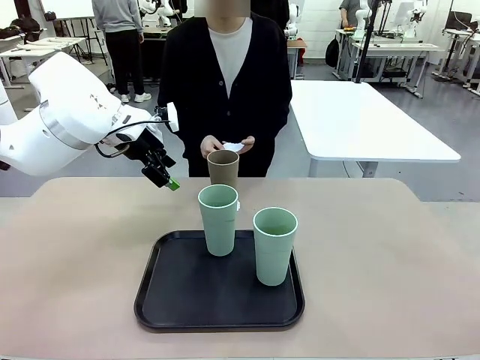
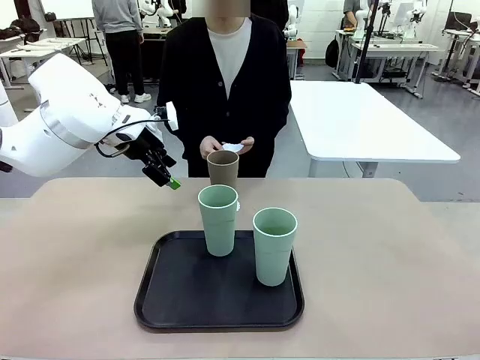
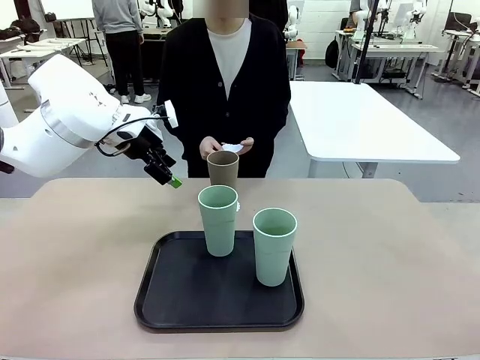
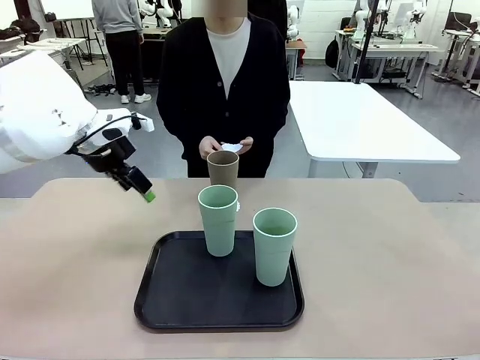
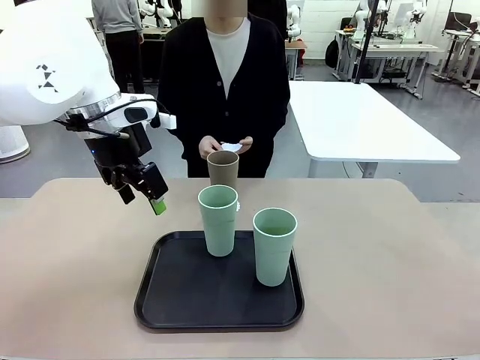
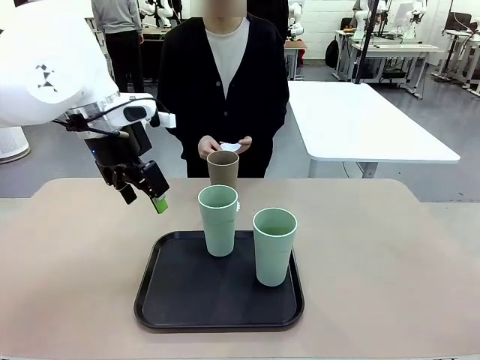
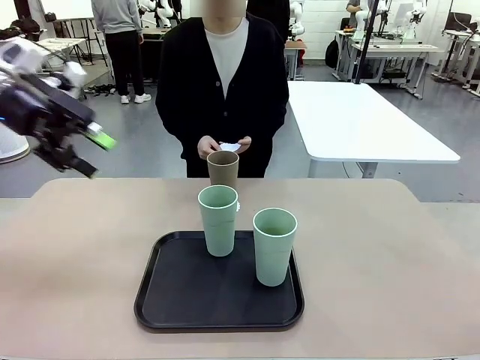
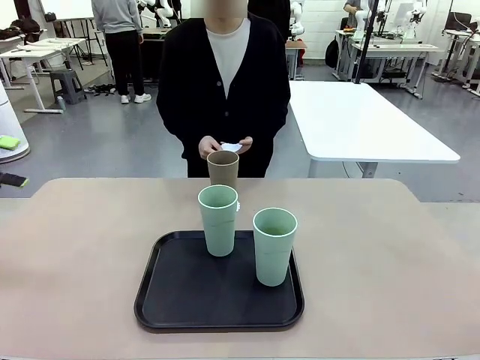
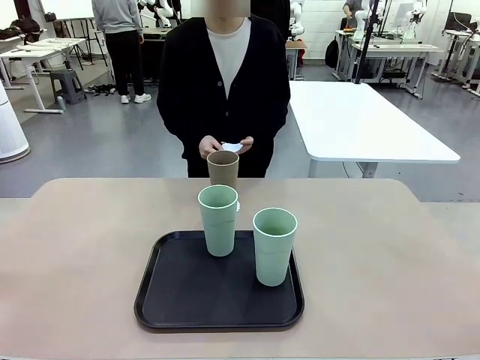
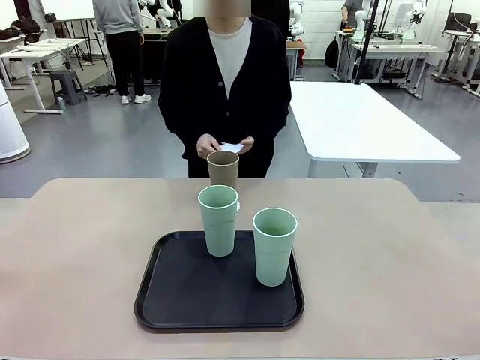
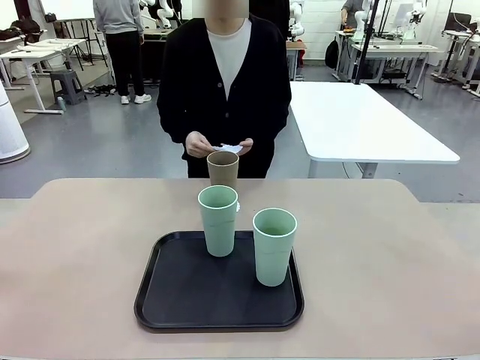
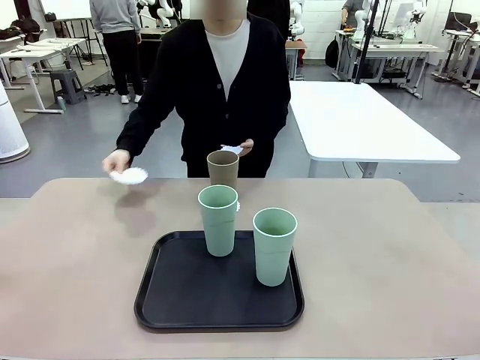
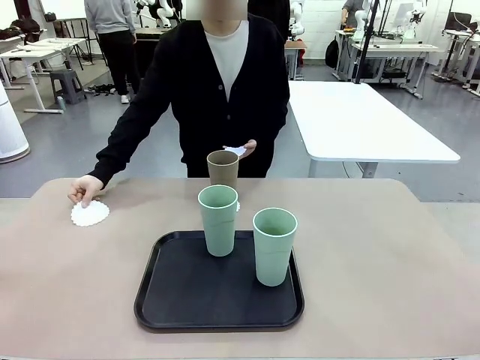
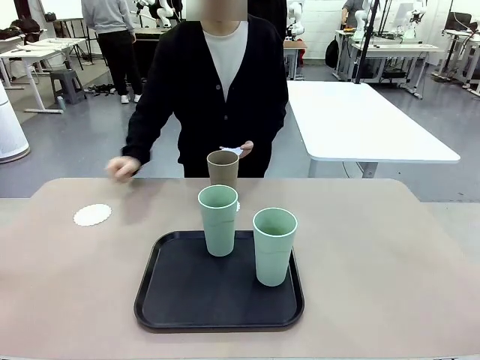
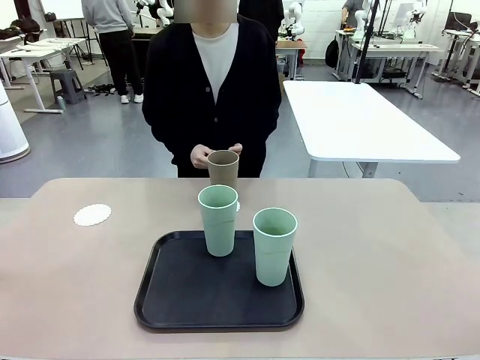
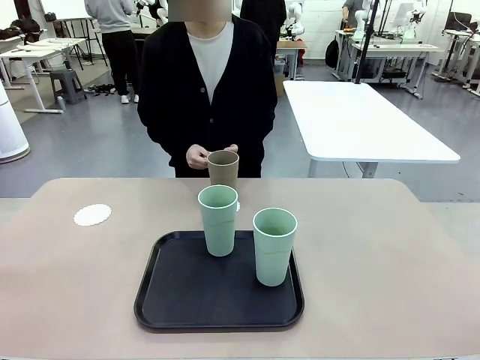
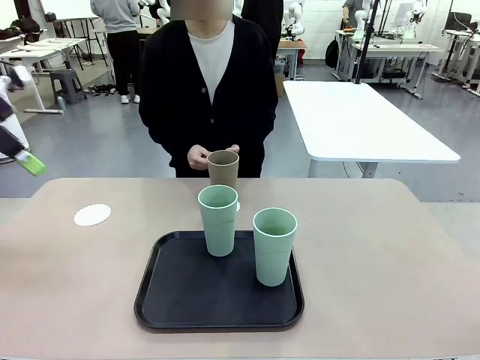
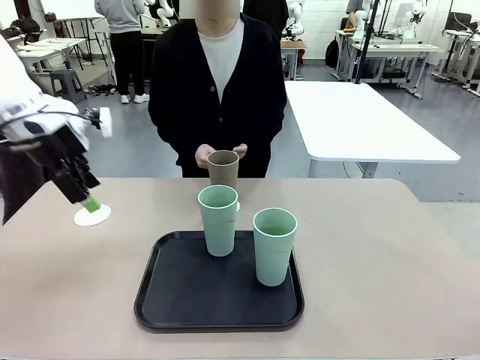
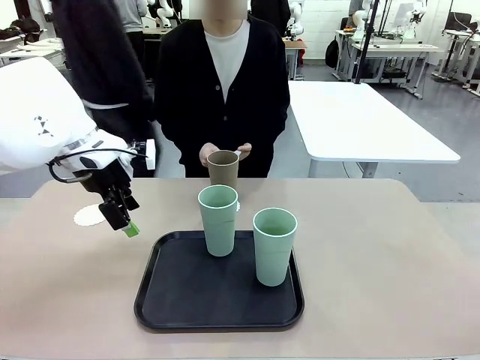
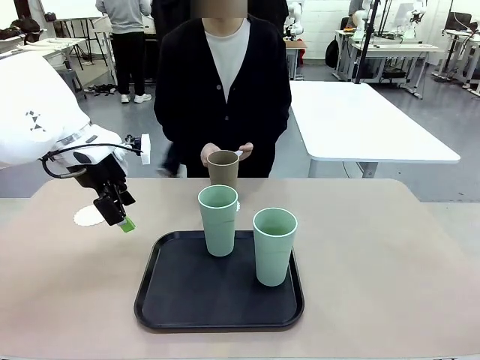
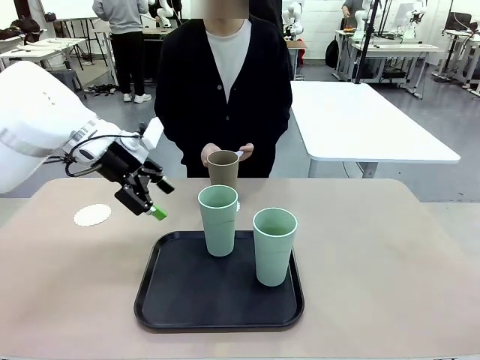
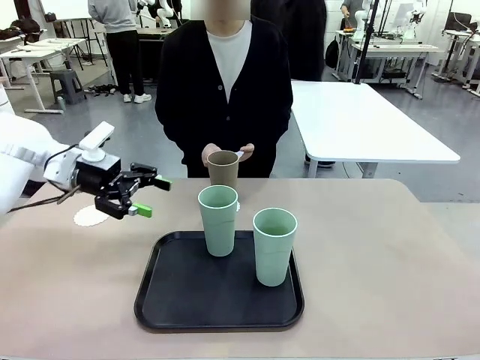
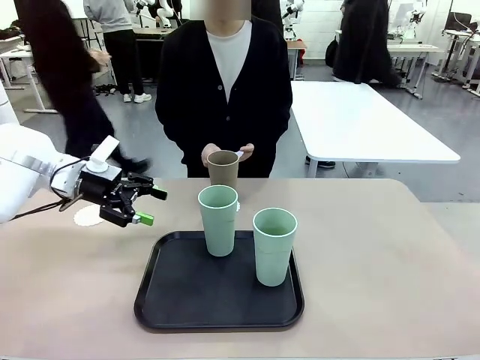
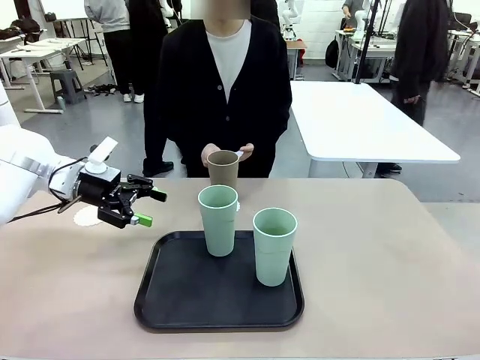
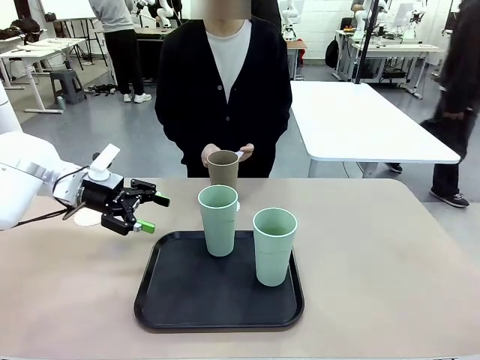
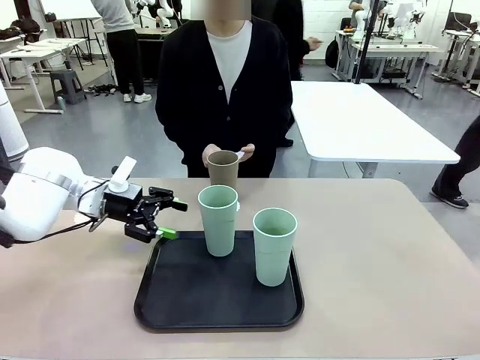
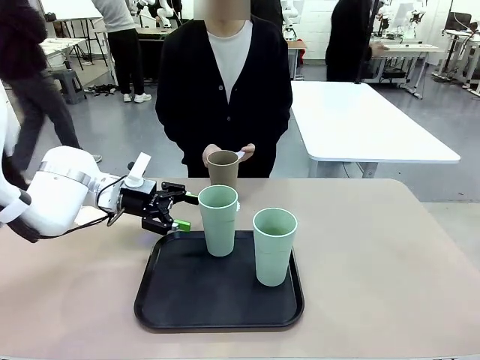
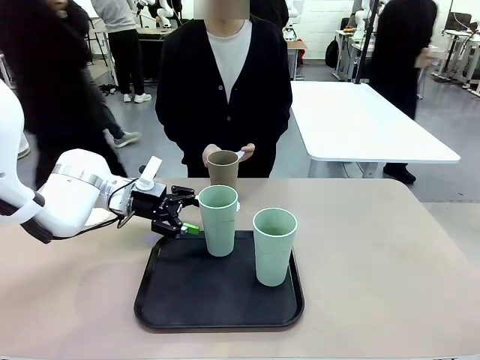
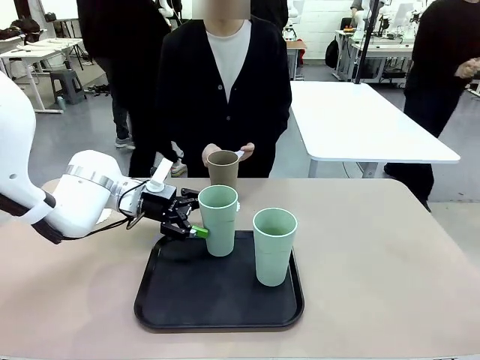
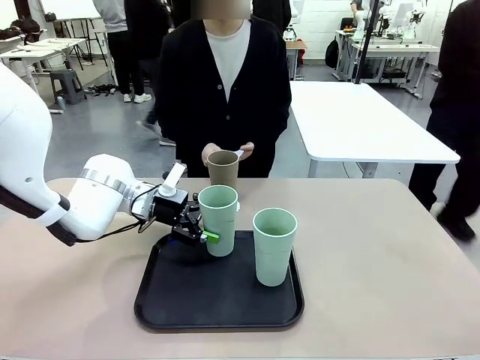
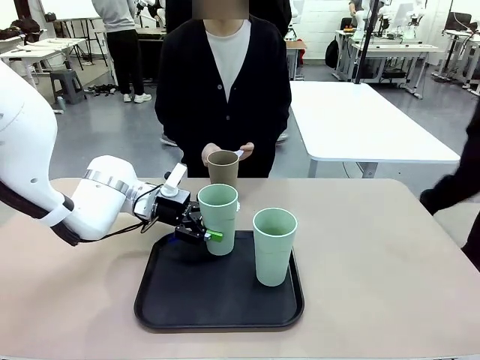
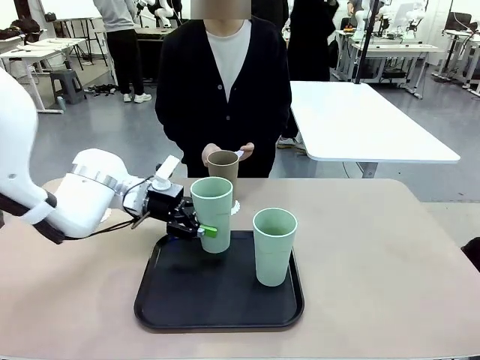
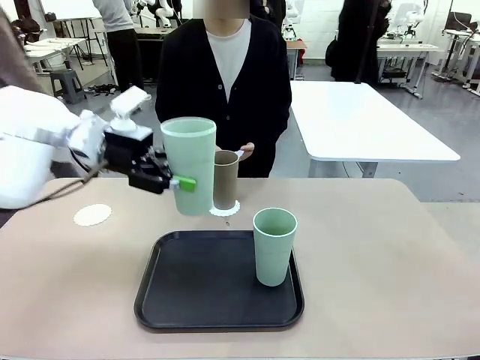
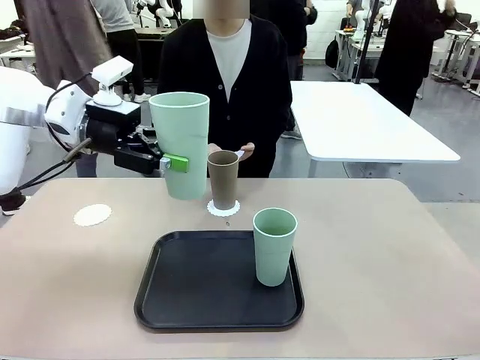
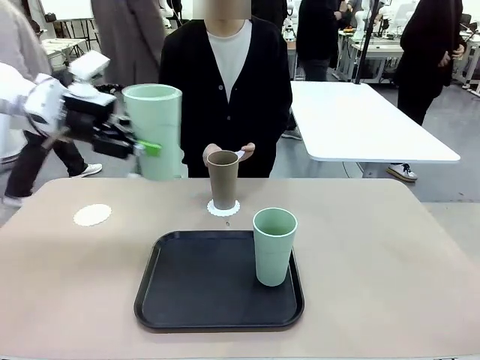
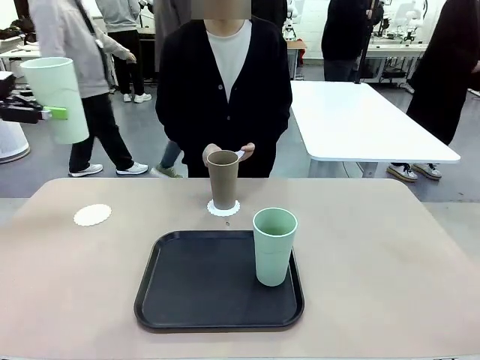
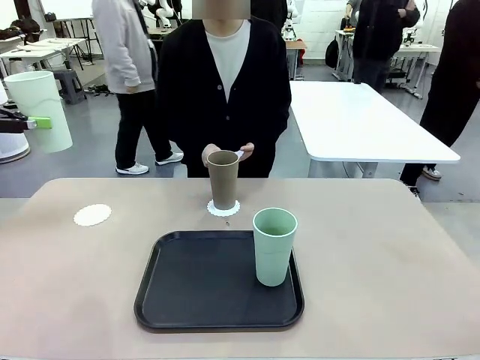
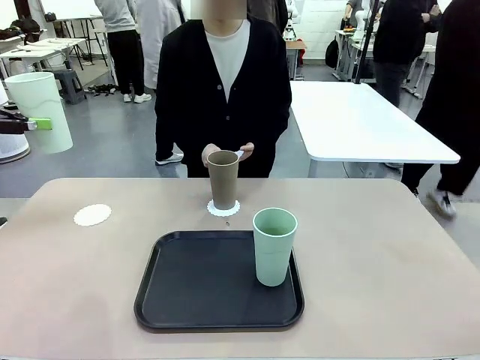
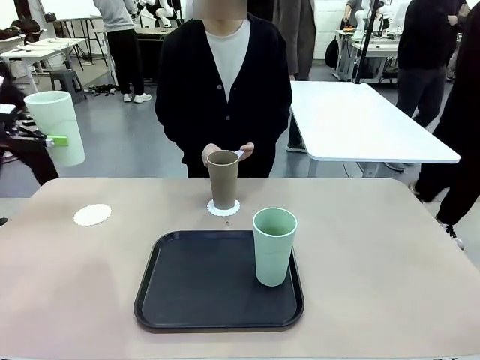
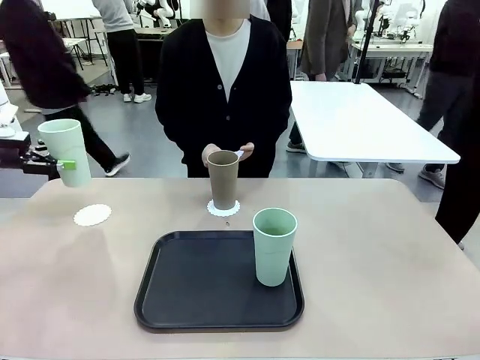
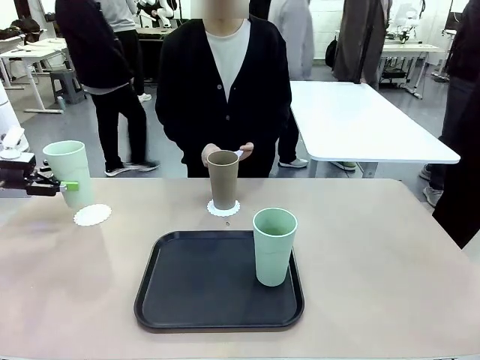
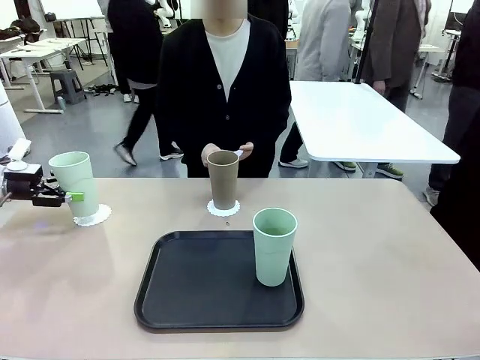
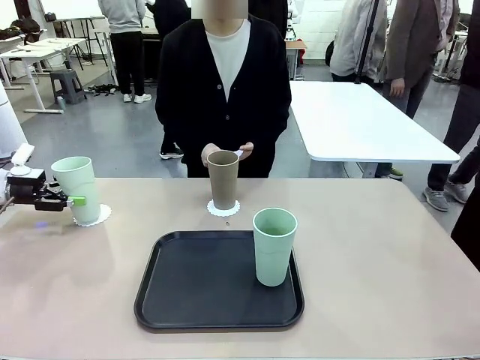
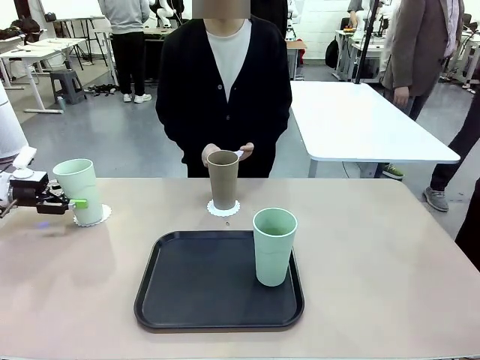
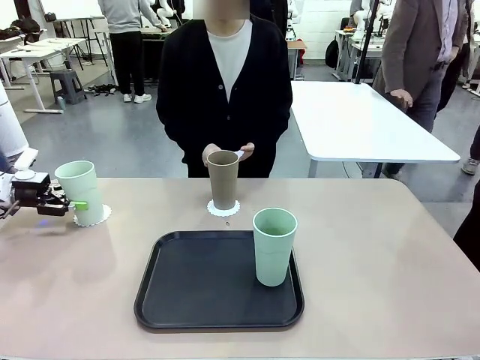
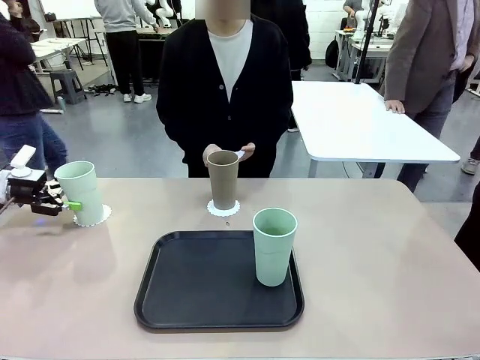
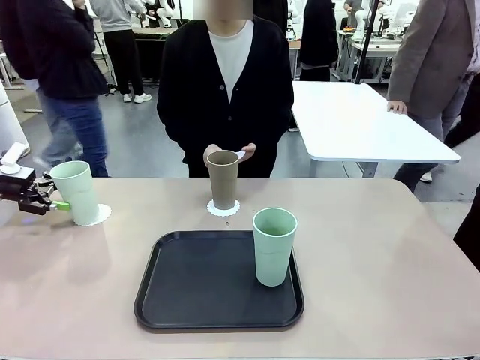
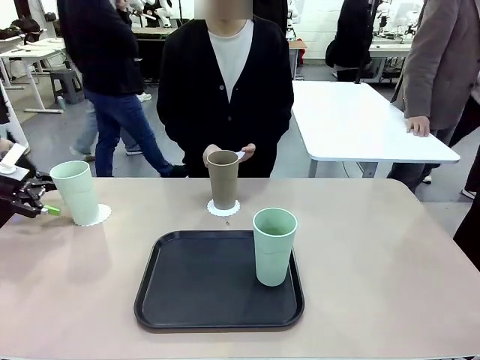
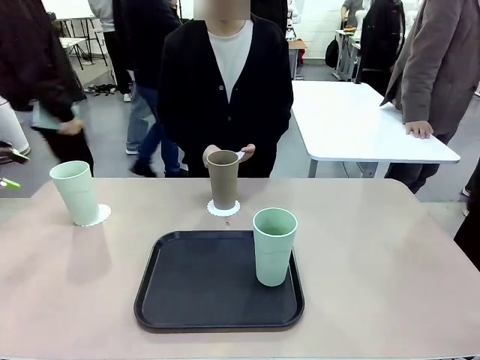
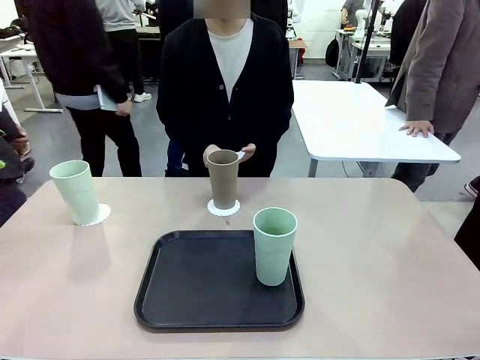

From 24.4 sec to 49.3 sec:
Task: Place coasters on the table and set cups on them.
Robot: Take one Reusable plastic cup from the Flat Tray and place it on a coaster set by the human.
